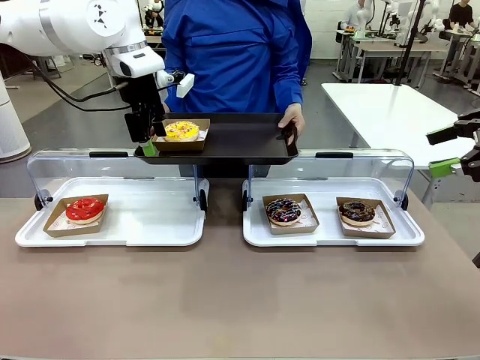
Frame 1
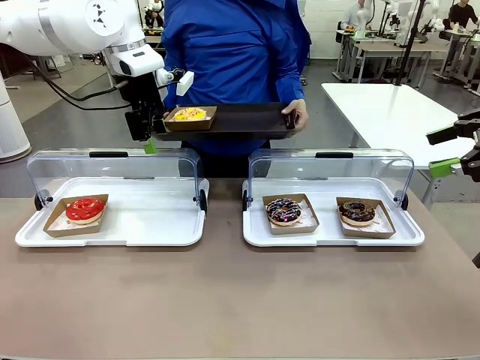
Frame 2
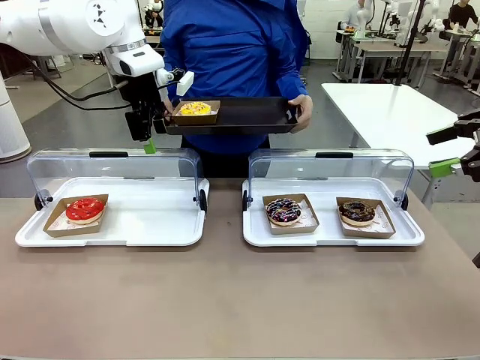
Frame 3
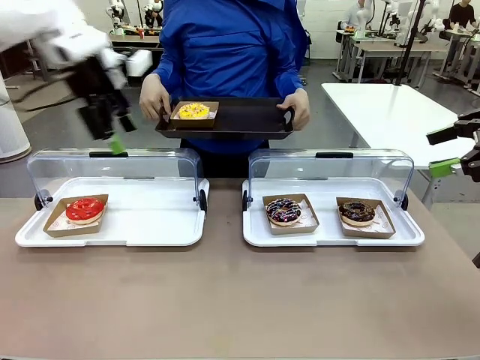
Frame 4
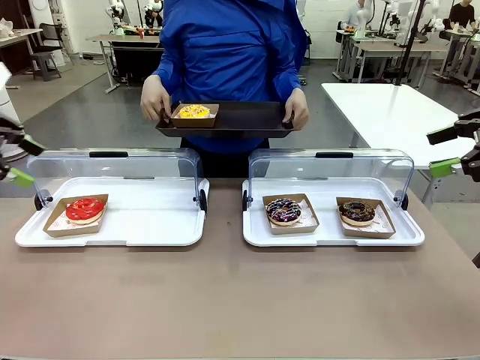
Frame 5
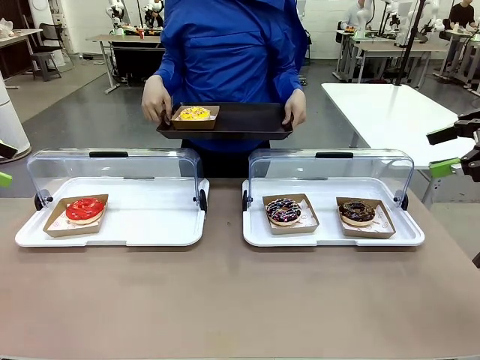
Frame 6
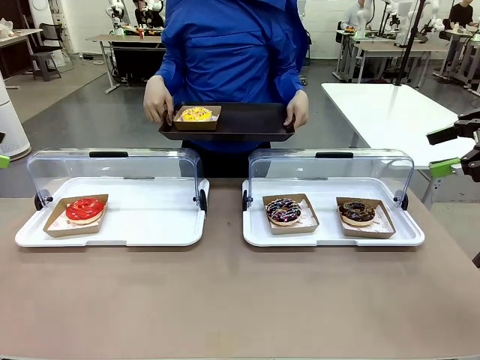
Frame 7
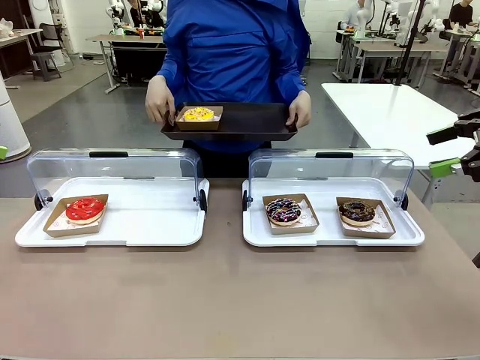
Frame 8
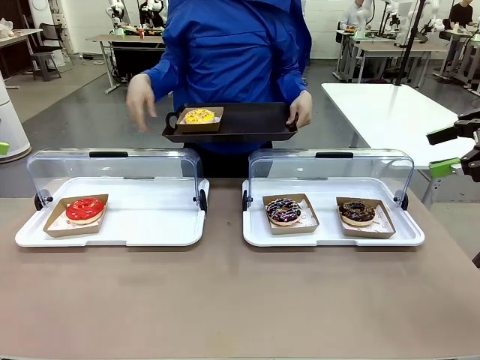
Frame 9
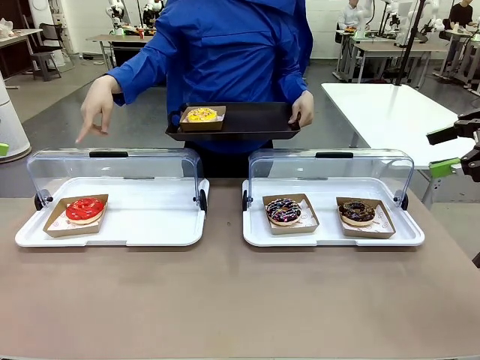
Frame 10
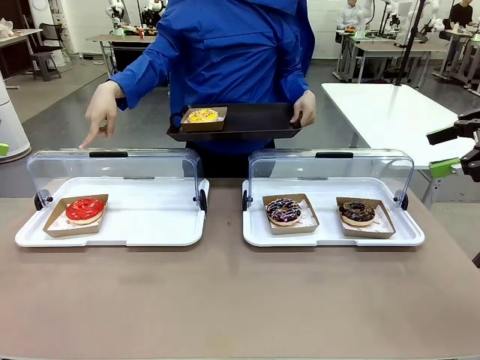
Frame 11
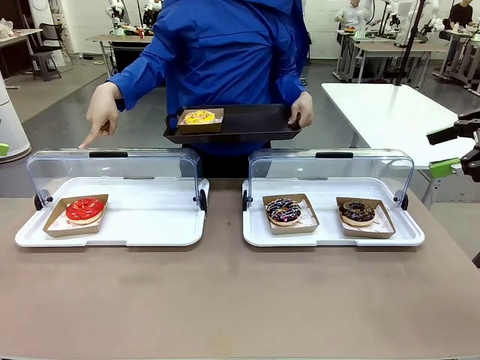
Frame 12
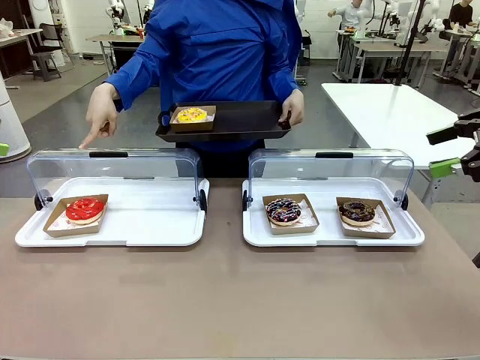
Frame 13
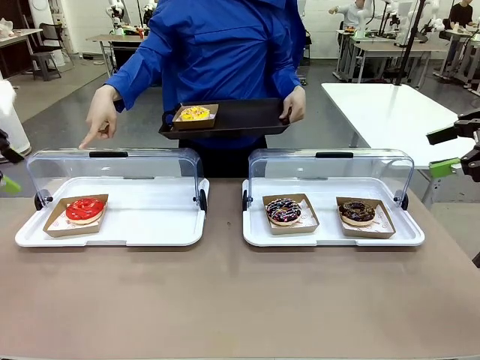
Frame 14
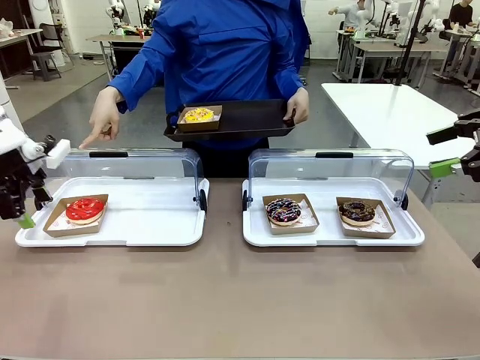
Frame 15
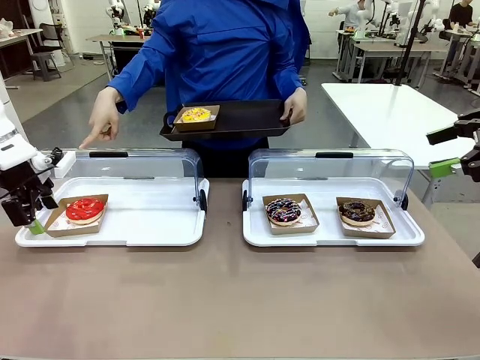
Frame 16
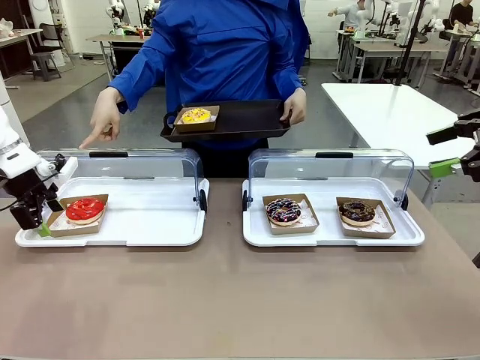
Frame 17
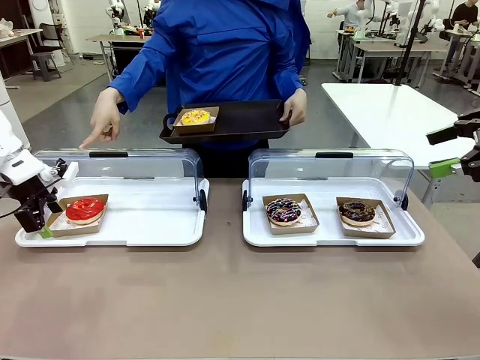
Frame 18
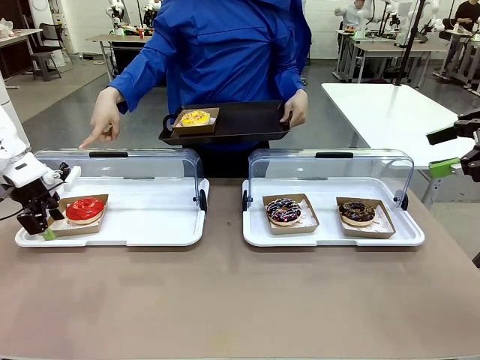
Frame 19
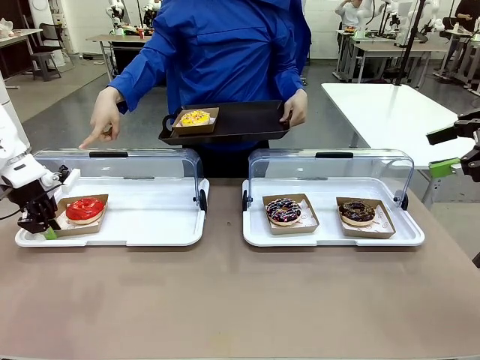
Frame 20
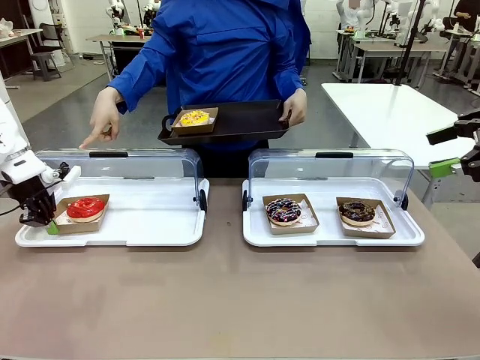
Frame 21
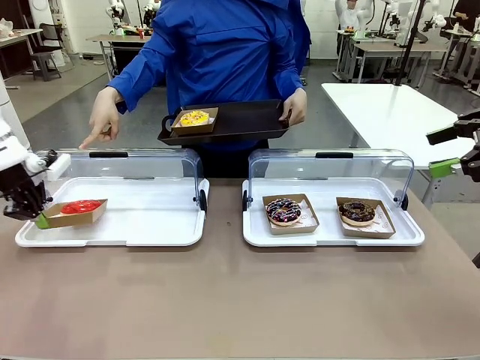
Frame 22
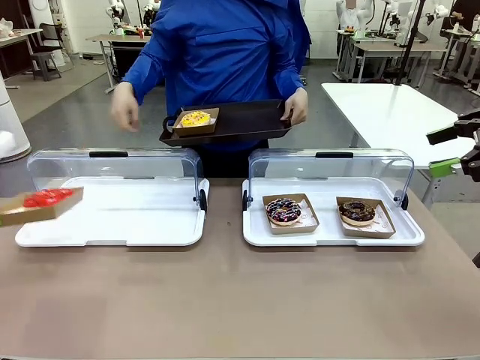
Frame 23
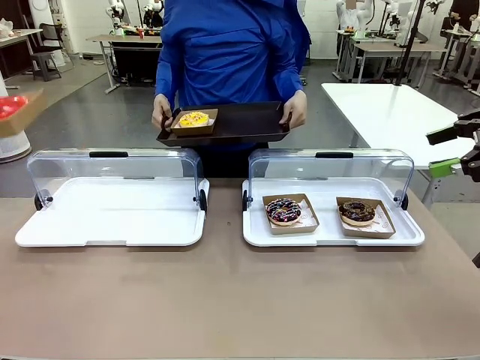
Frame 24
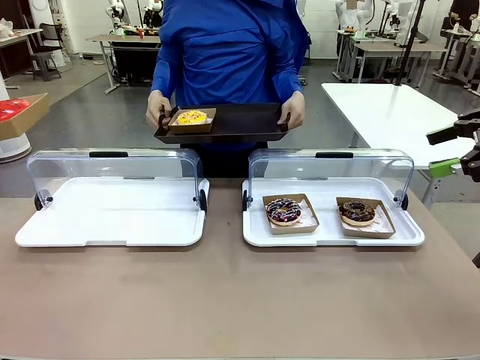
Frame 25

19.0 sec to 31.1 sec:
Task: Provide the desired donut to the person.
Robot: Pick up and lift the Paper togo box containing the Donut pointed at by the person.
Person: Point to one donut. Lift the tray onto the Roll-Top Bakery Case.

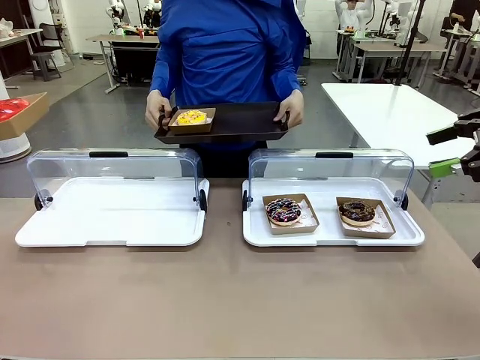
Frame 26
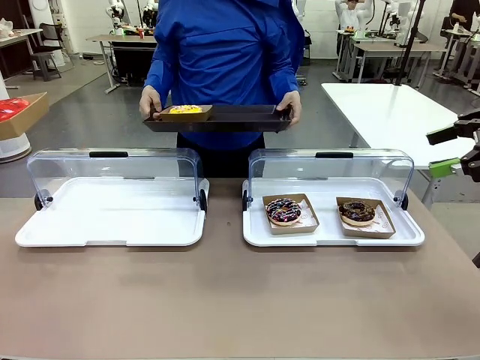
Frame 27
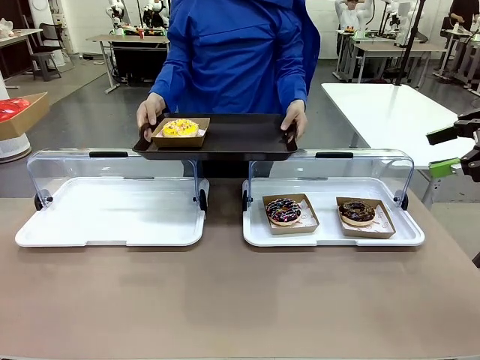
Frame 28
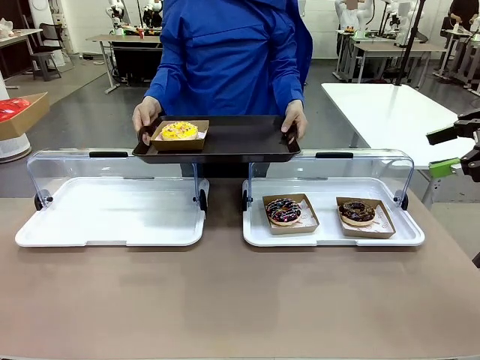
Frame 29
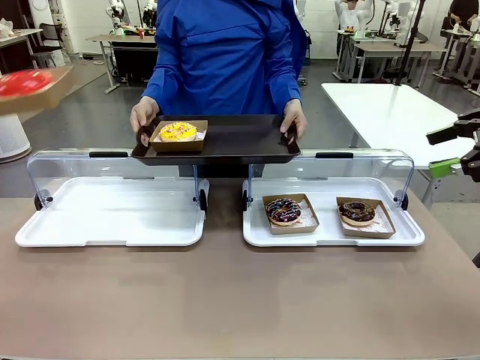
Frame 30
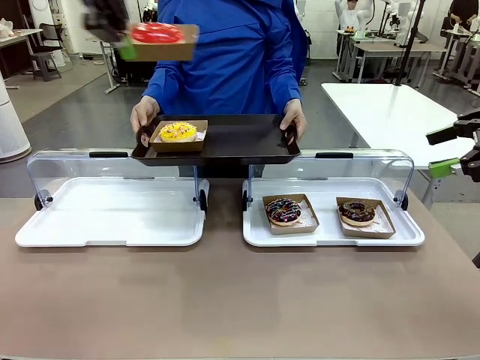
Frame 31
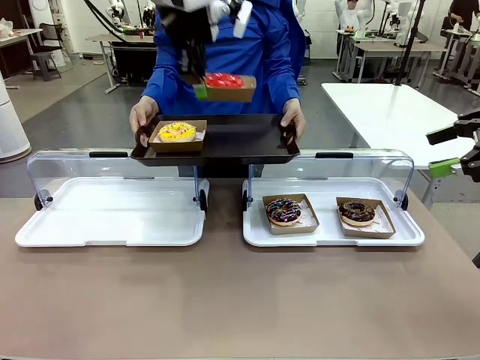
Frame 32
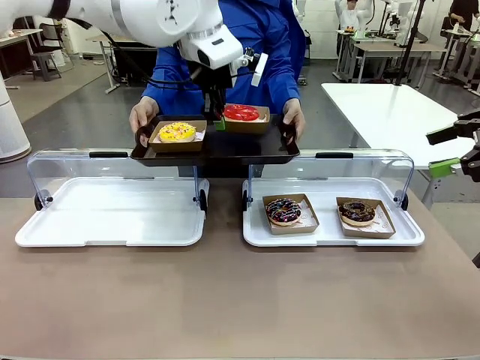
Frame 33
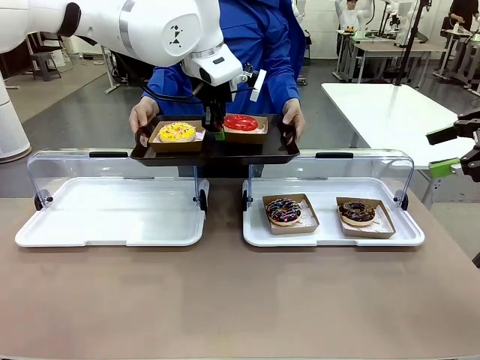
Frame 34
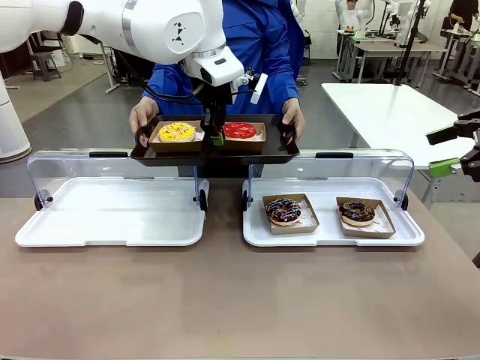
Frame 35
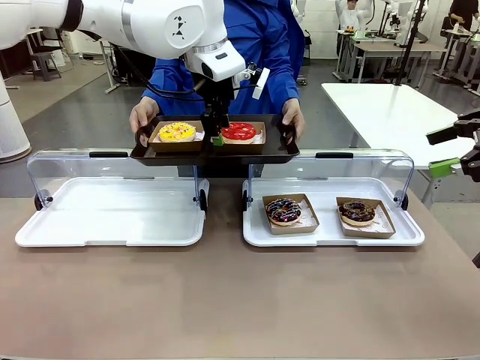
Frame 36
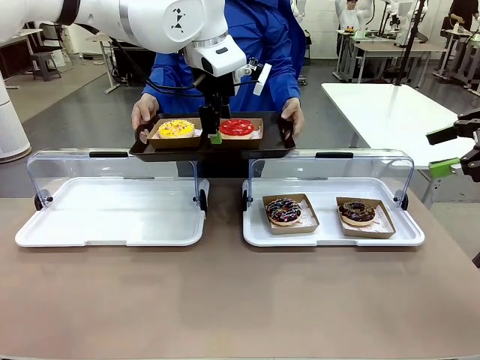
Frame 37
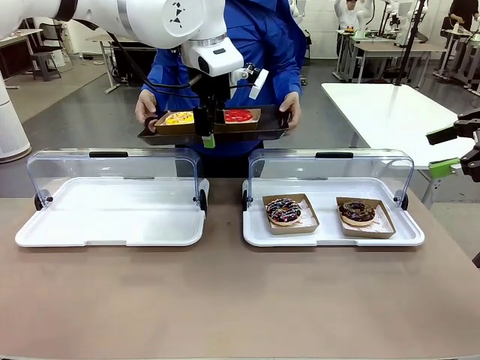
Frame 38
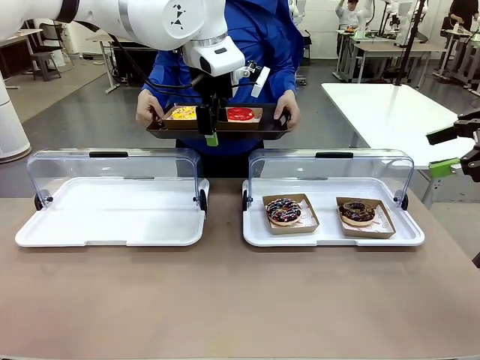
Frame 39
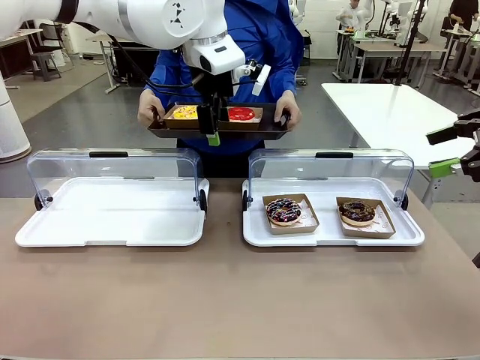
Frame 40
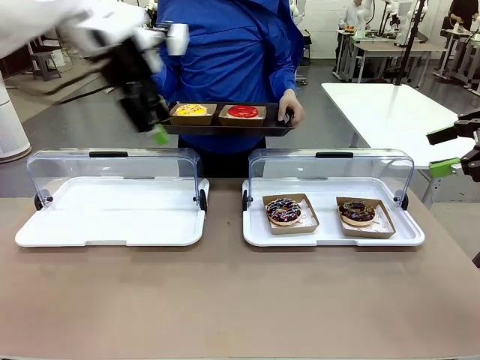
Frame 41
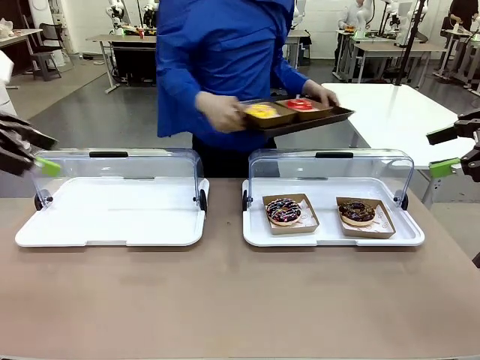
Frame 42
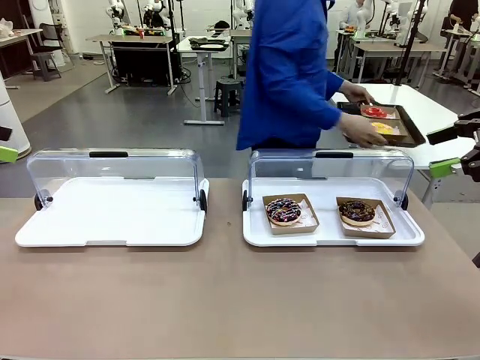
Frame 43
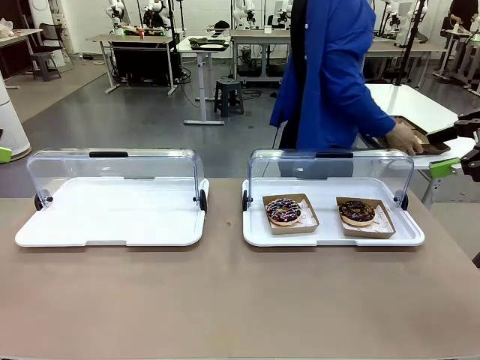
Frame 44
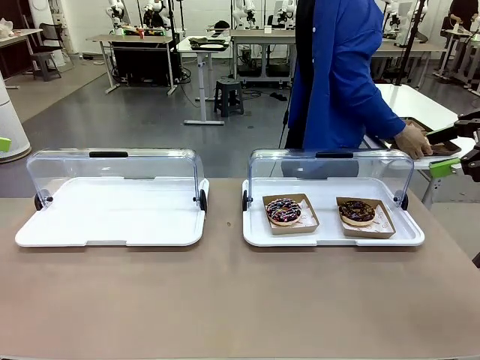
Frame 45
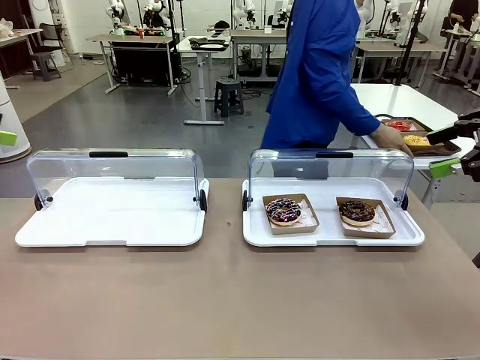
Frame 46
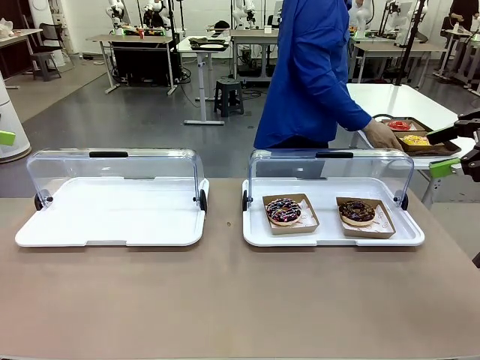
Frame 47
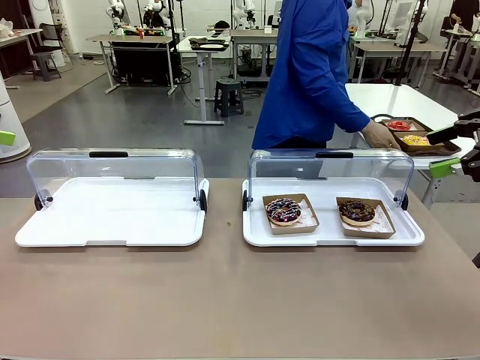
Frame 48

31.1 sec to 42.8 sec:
Robot: Place the picked Paper togo box onto the Handle tray extended by the person.
Person: Place the tray in the middle of the human table.
